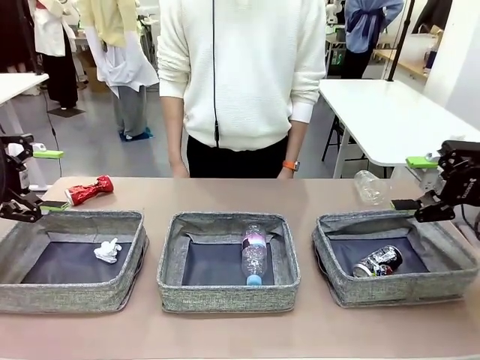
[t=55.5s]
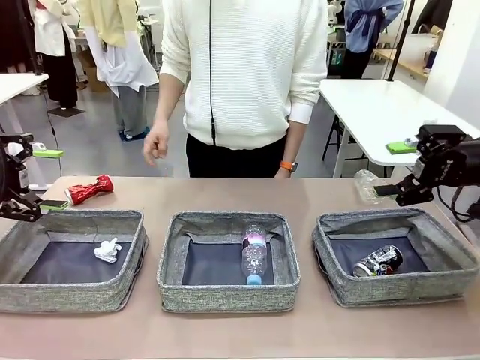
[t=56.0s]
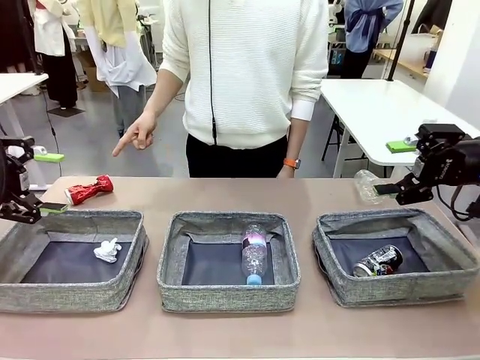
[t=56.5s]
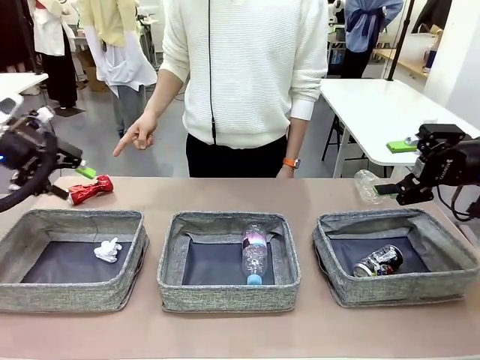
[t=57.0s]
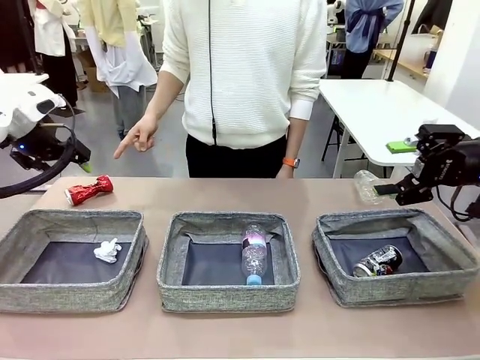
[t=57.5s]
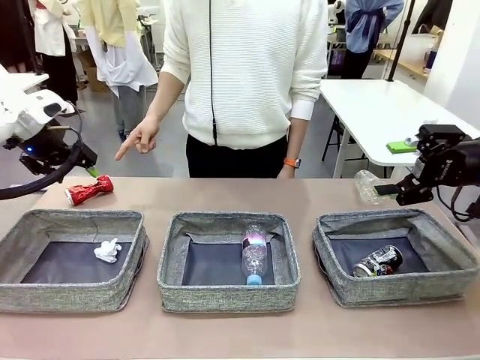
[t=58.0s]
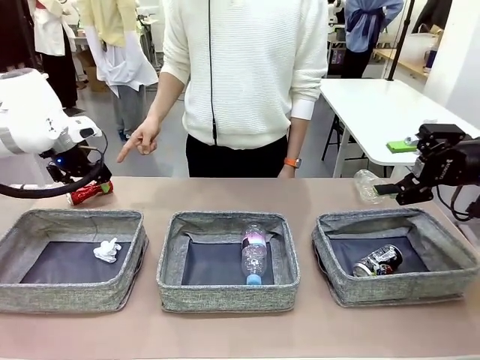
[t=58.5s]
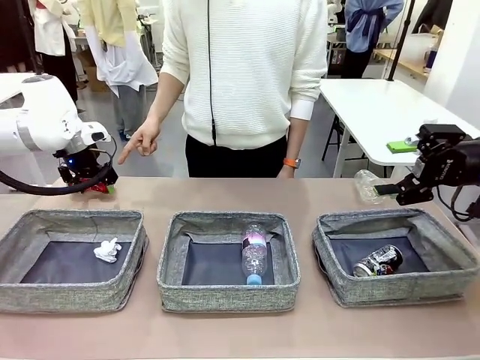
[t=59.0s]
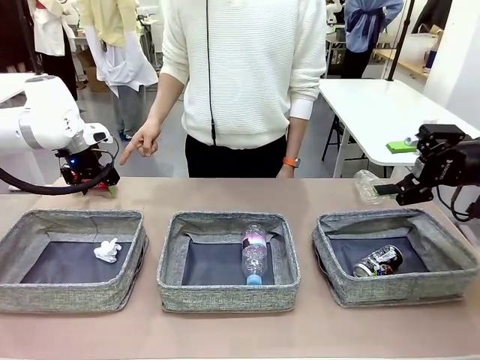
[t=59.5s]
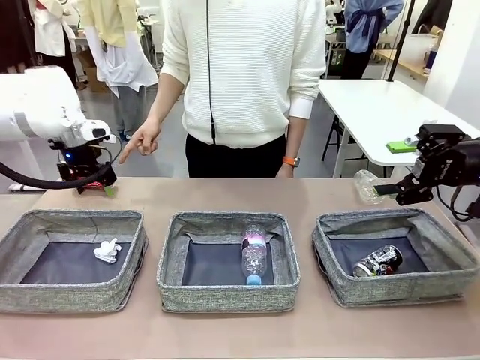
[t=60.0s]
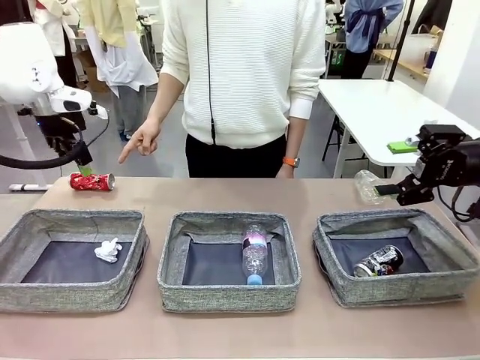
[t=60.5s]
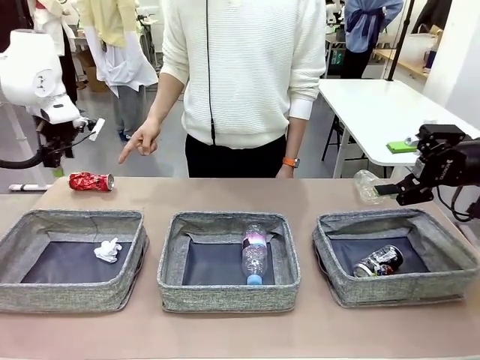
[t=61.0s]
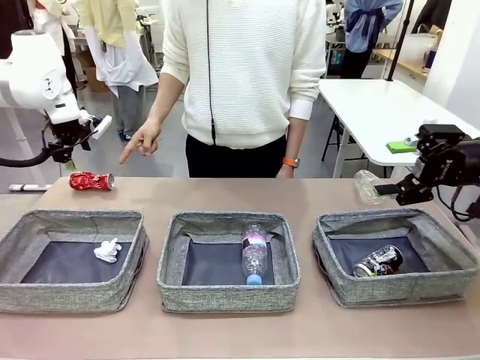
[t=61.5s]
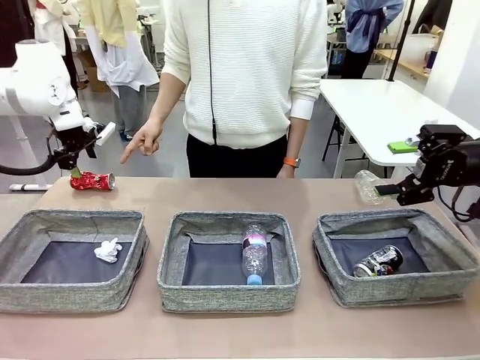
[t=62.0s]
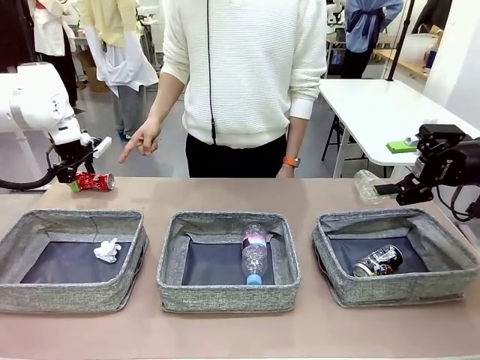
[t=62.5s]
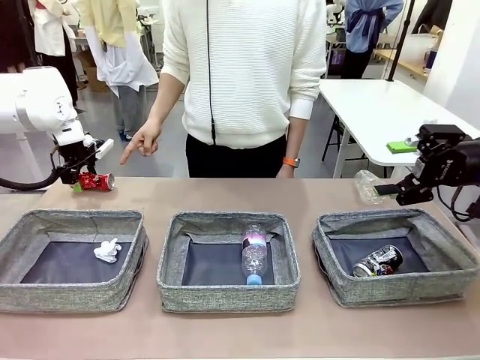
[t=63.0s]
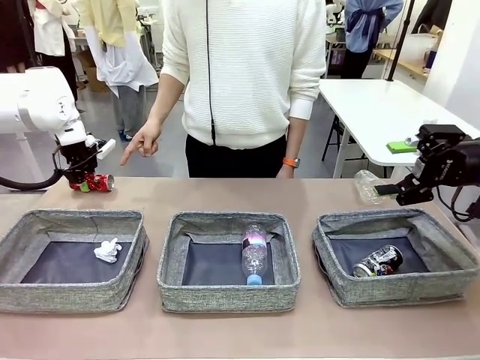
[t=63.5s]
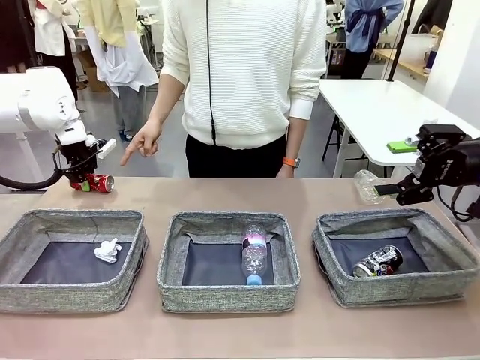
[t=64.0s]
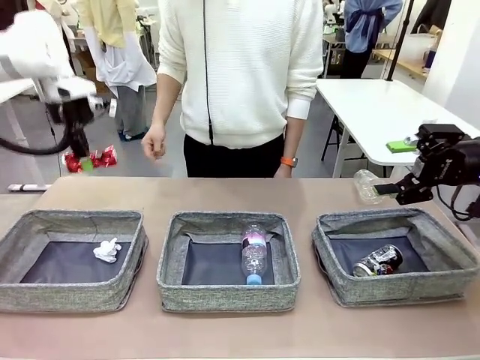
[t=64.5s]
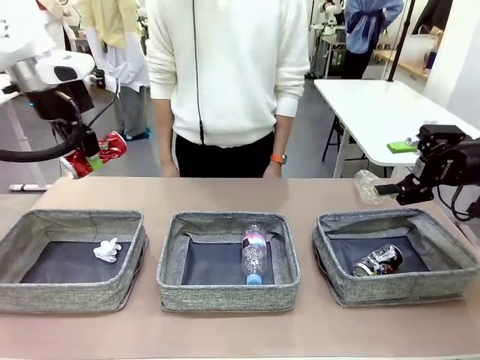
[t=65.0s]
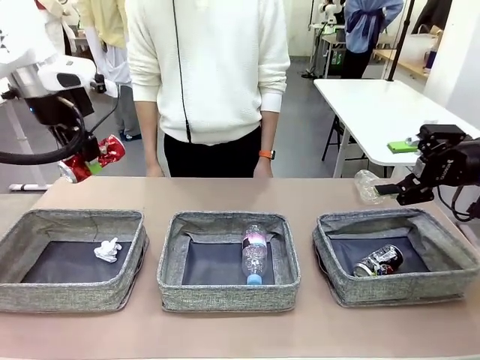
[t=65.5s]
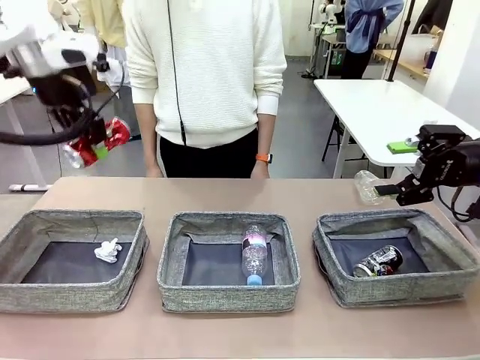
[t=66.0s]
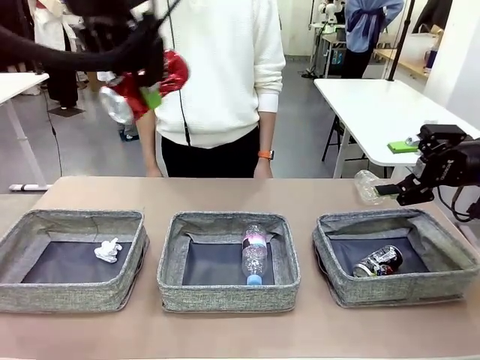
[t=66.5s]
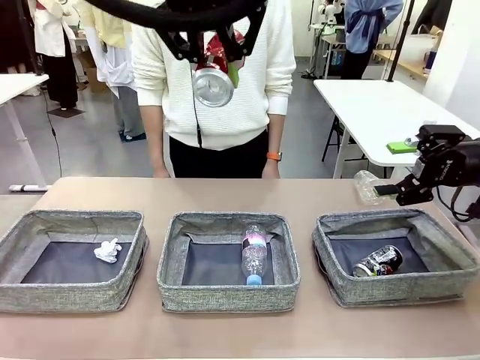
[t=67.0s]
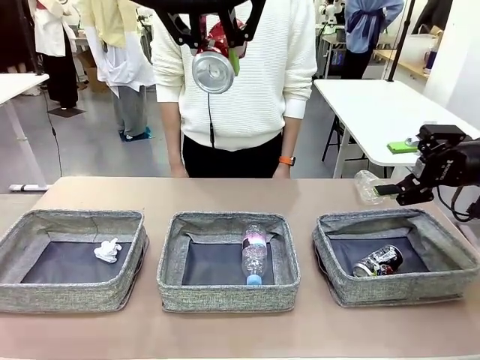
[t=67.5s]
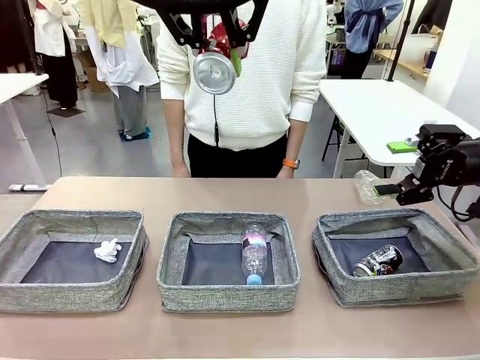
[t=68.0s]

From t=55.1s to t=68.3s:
Task: Sort the waste into the appropriate baskets.
Robot: Pick up the waste item pointed out by the person.
Person: Points to one piece of trash on the table.

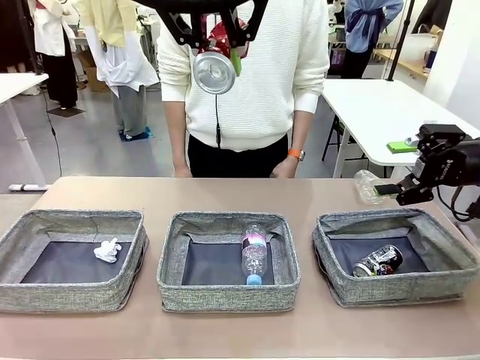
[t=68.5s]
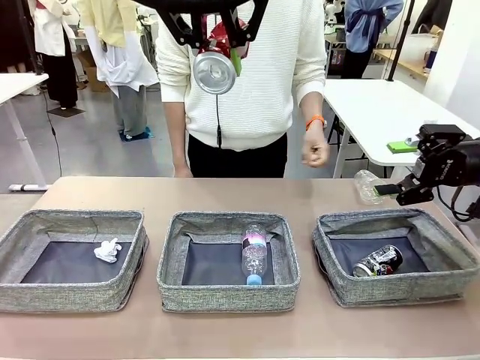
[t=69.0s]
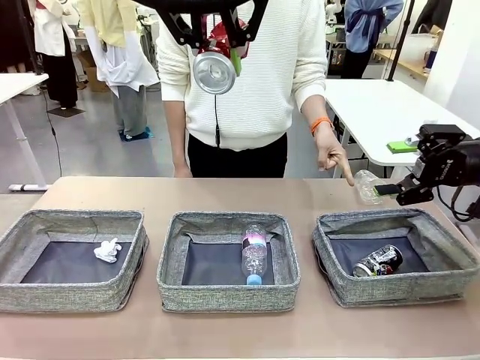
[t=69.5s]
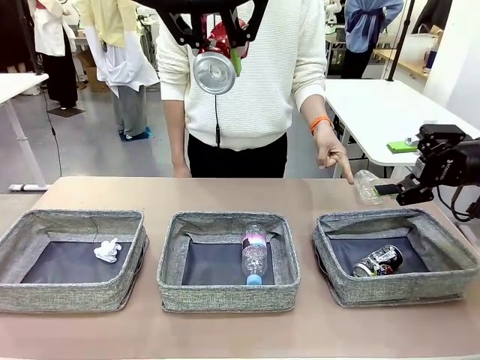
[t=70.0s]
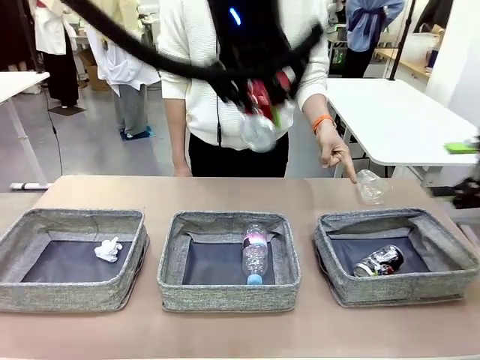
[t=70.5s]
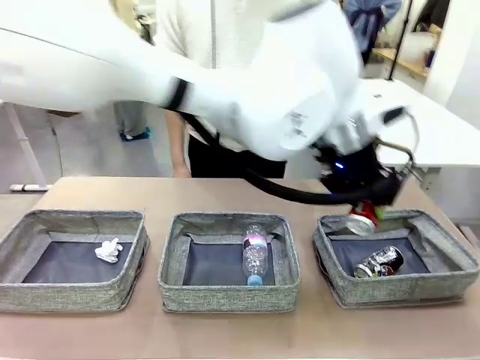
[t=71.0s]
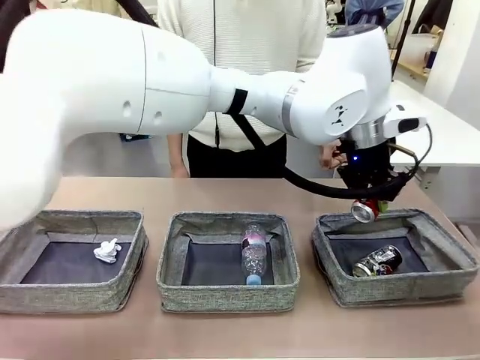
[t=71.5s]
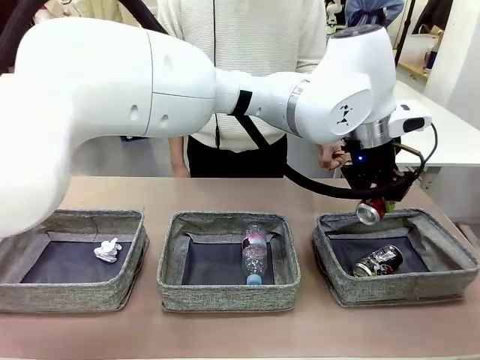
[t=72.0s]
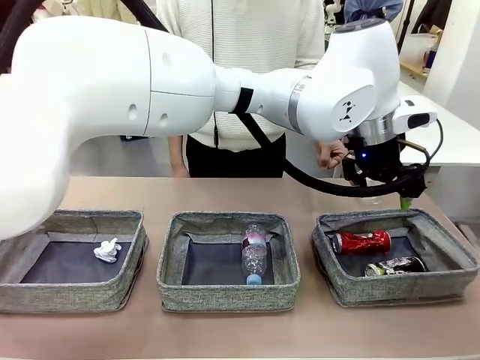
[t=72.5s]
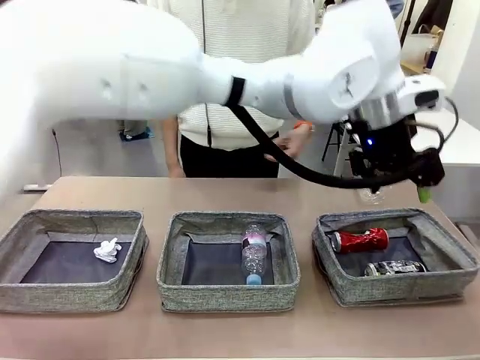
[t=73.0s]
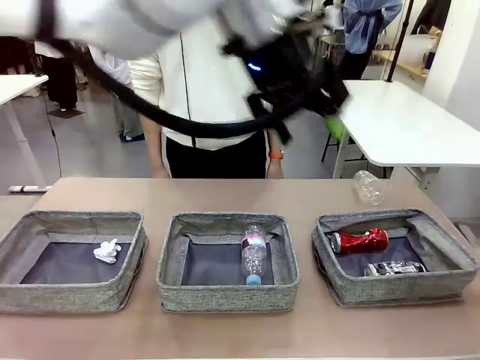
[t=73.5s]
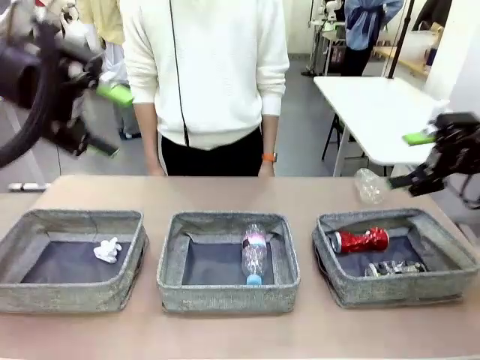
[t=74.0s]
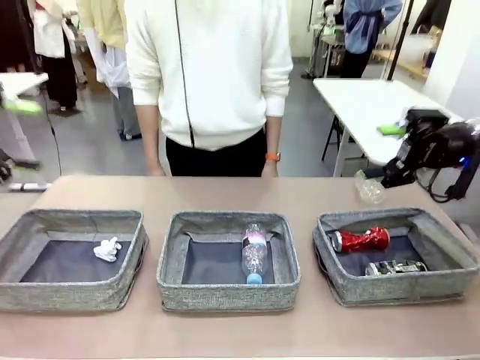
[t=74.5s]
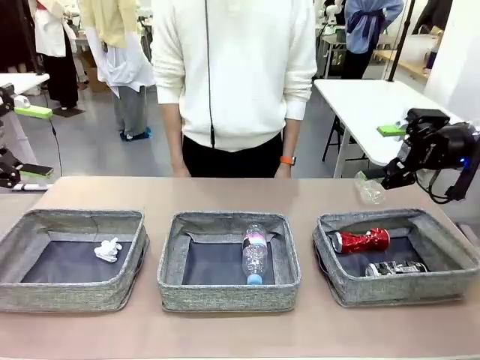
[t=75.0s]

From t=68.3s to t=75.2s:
Robot: Place the picked waste into the Fabric basket indicated by the person.
Person: Instructs the robot to place the picked-up trash into the appropriate organizing basket.

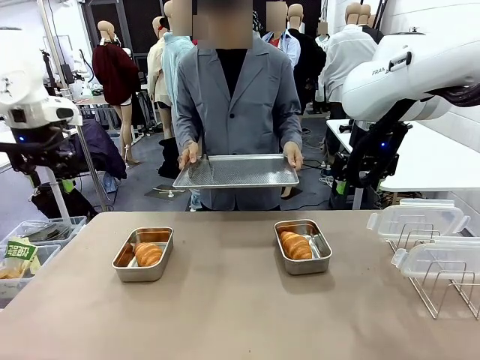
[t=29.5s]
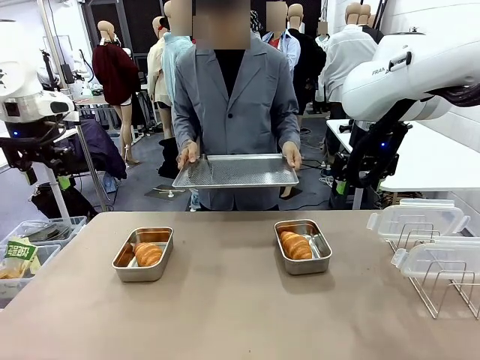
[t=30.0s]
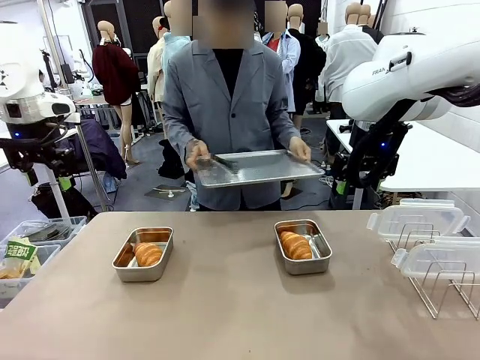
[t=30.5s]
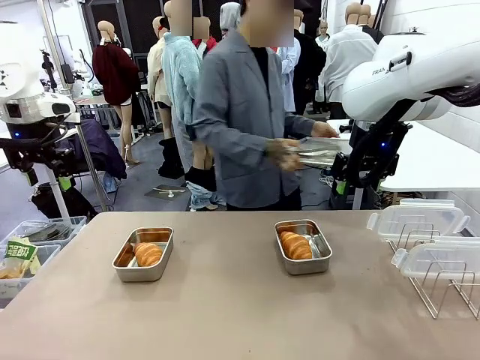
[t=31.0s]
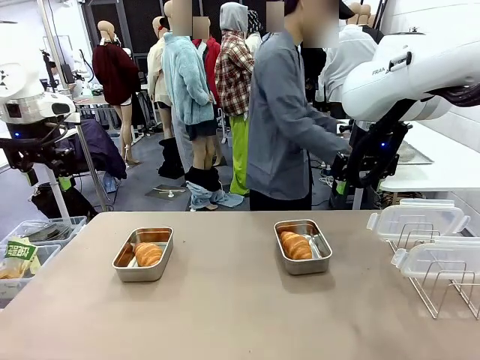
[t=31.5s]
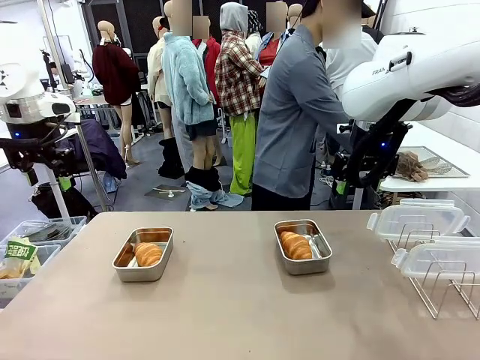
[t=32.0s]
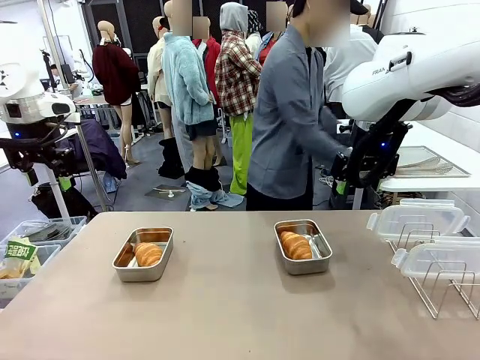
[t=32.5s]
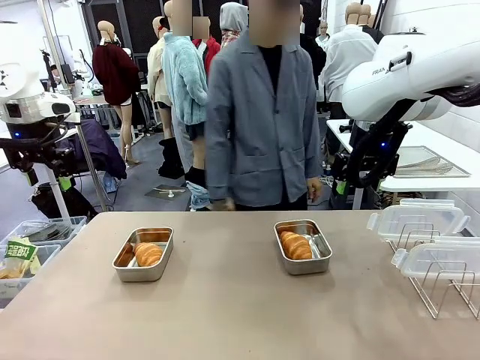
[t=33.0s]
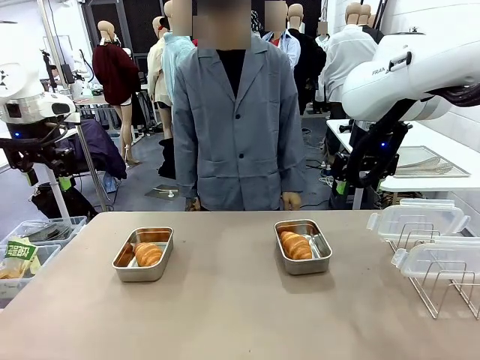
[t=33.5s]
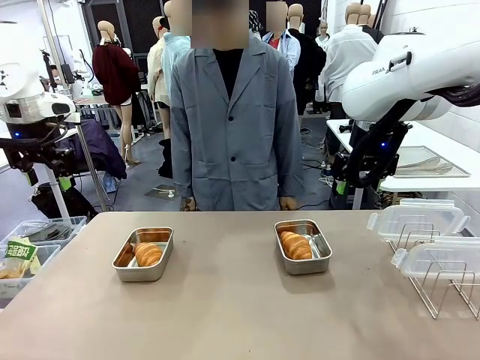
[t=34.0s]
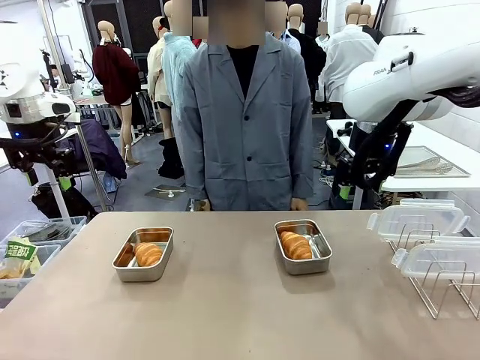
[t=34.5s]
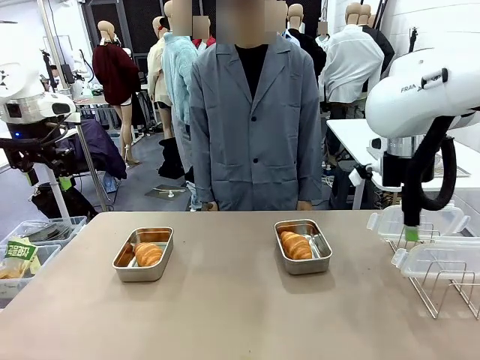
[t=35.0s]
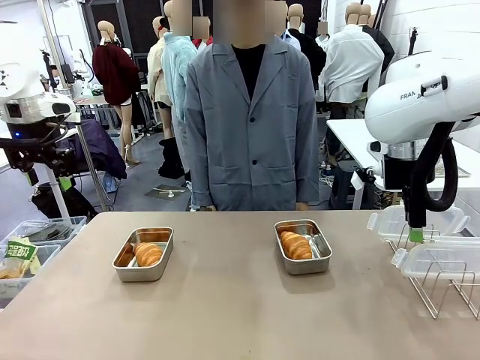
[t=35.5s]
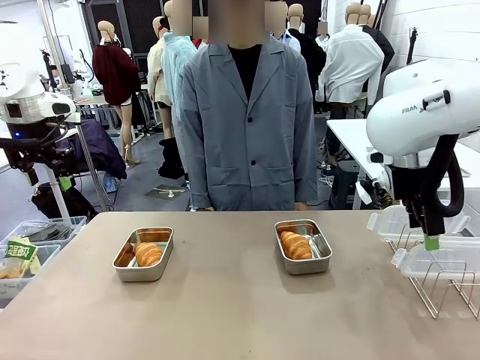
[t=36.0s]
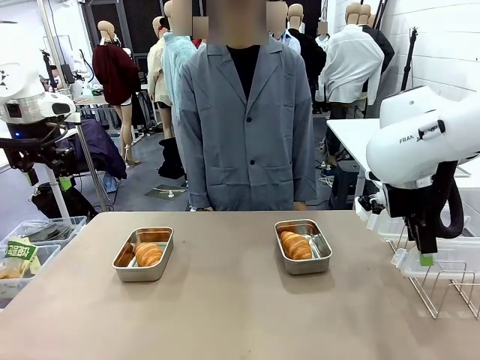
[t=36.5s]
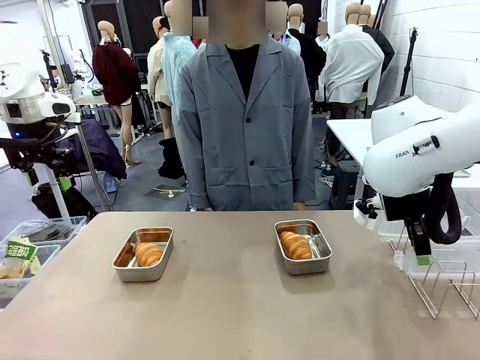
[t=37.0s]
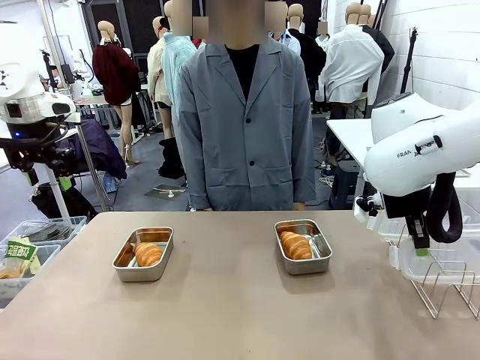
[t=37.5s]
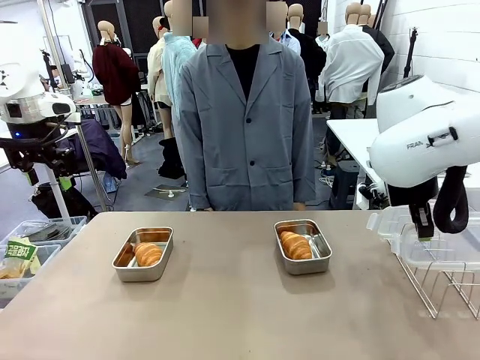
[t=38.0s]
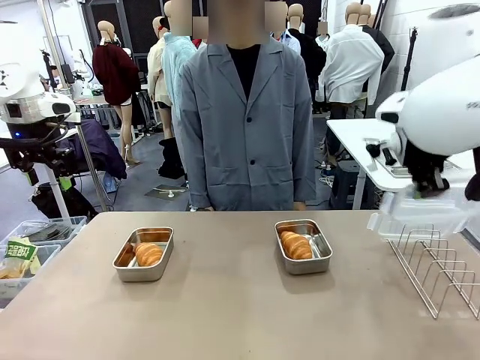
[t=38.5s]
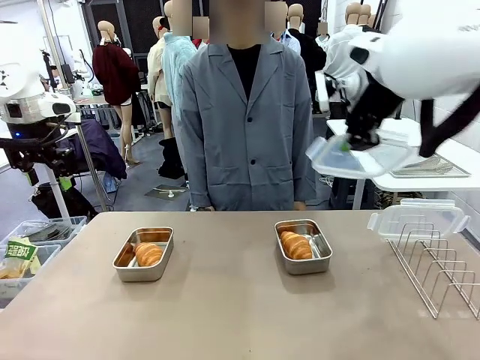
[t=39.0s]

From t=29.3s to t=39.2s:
Task: Place the bread in airtight containers.
Robot: Pick up one Airtight Container lid and hand it to the human.
Person: Place Baking Sheet on the Human's Table. Grip Airtight Container lid that robot is handing.
